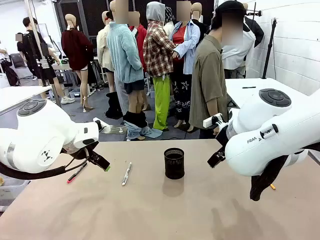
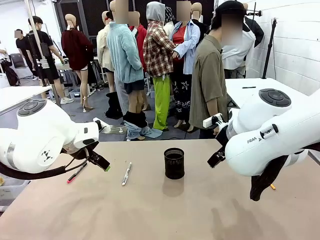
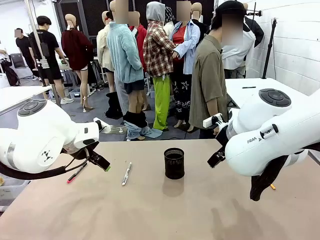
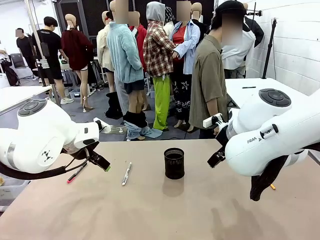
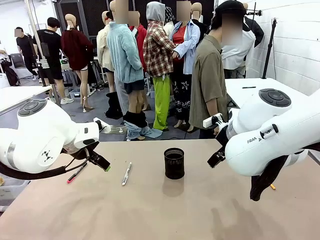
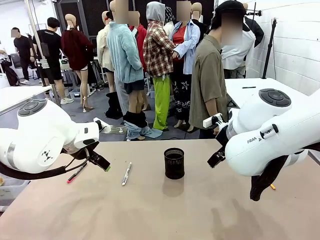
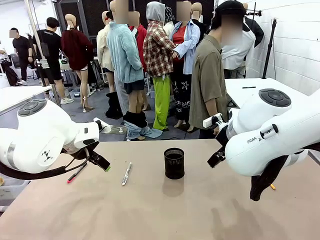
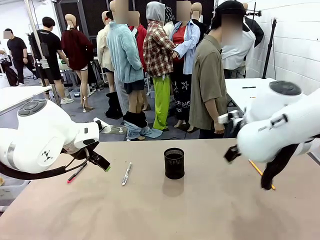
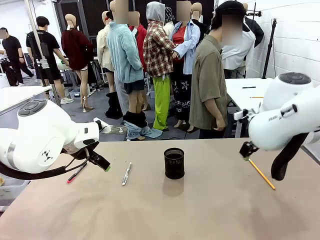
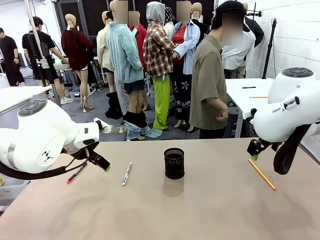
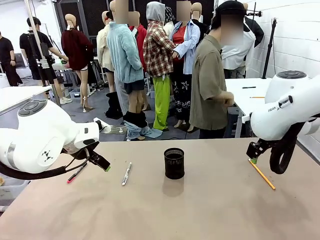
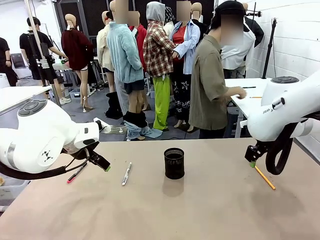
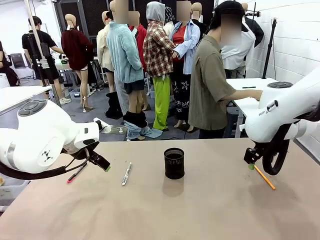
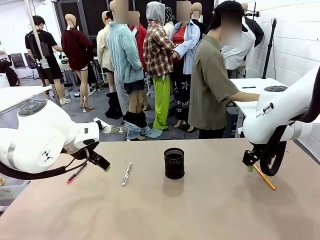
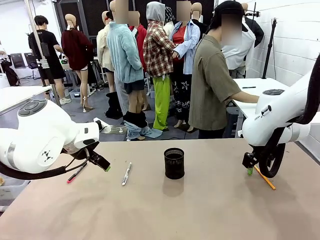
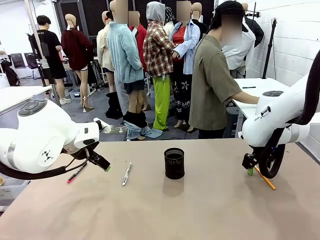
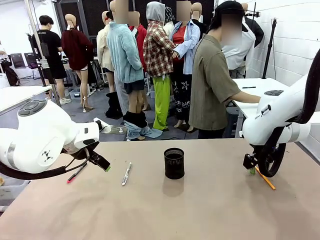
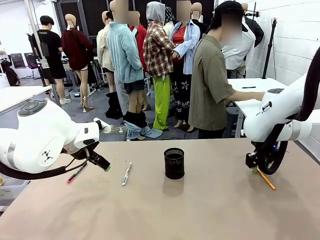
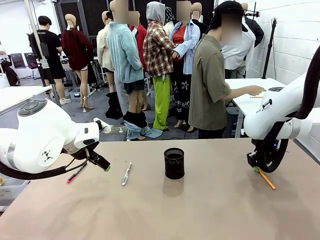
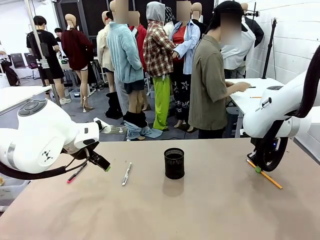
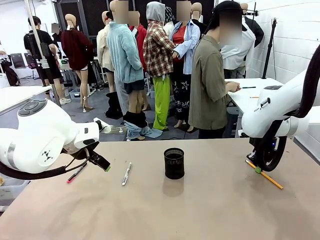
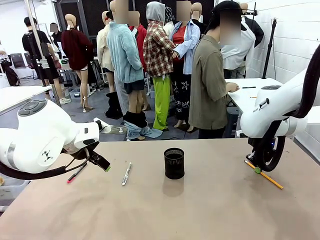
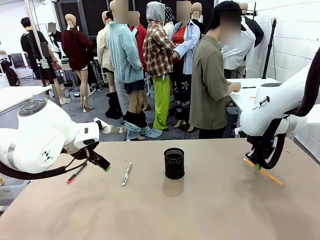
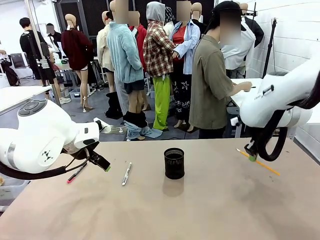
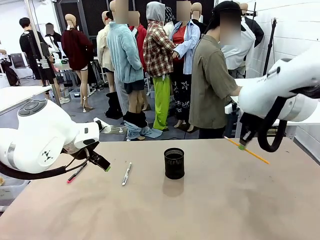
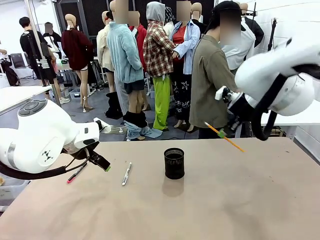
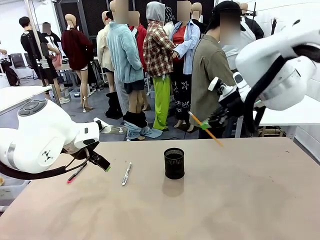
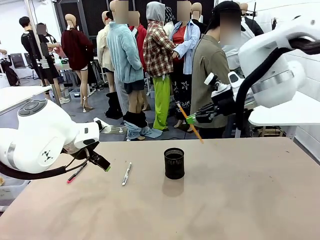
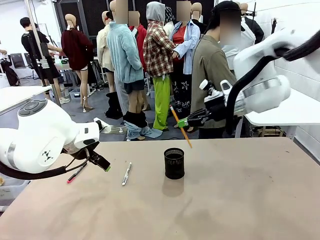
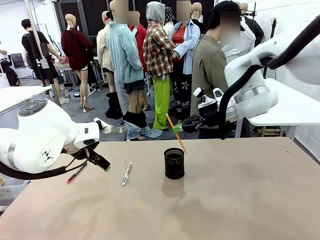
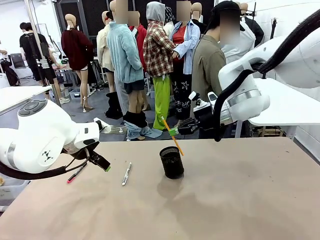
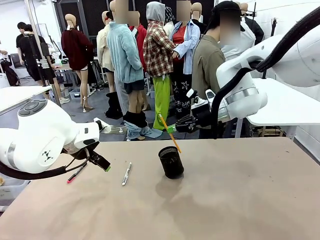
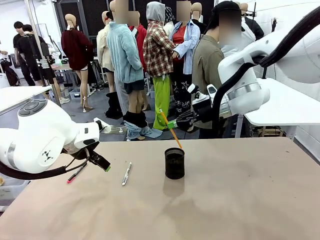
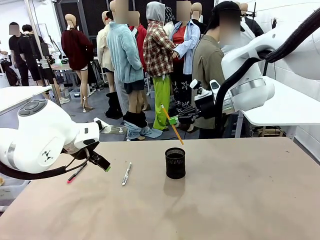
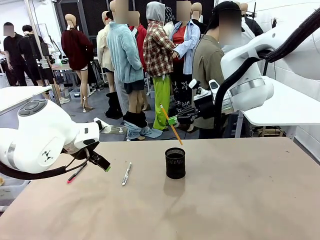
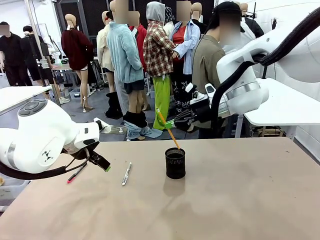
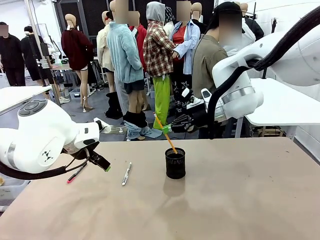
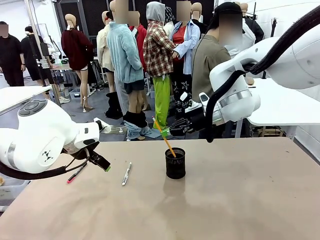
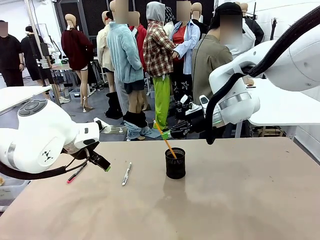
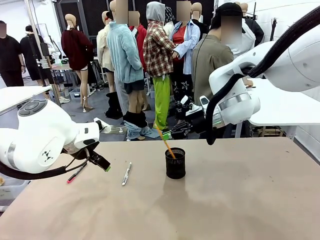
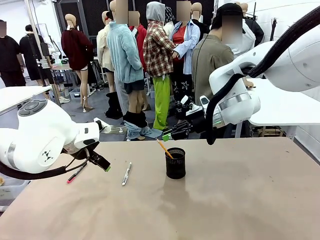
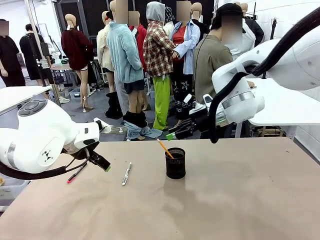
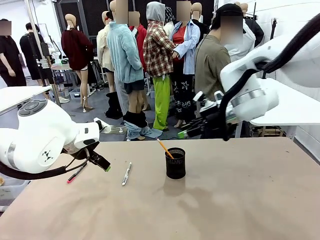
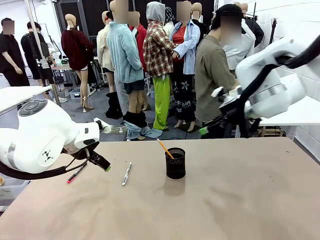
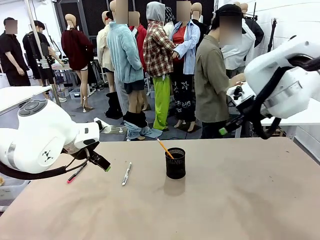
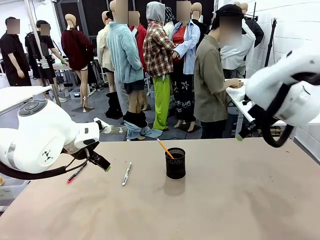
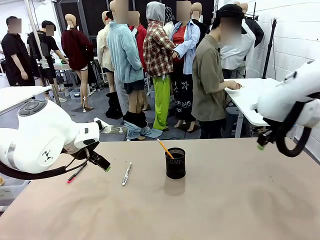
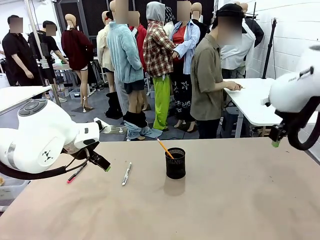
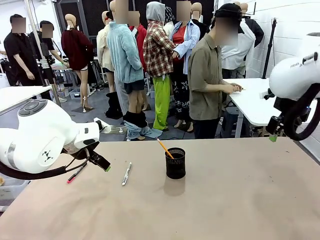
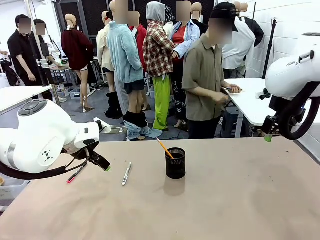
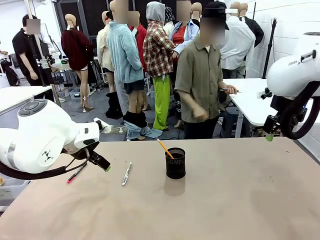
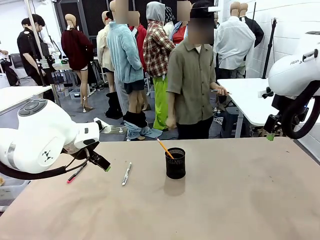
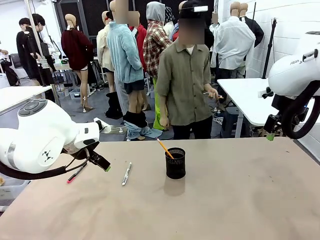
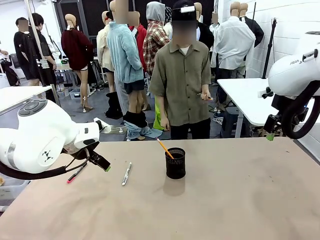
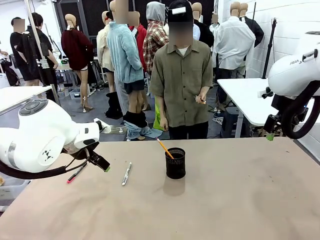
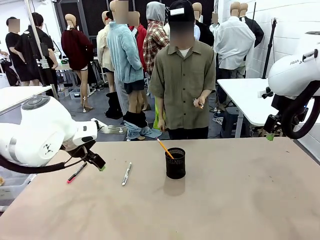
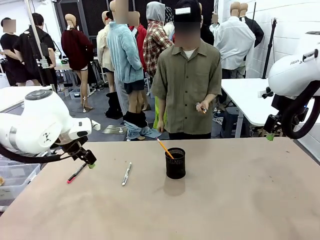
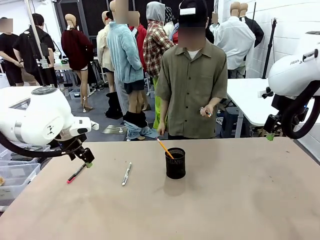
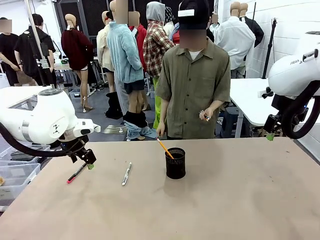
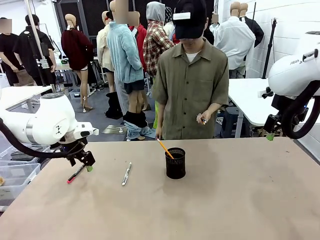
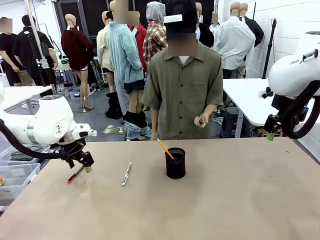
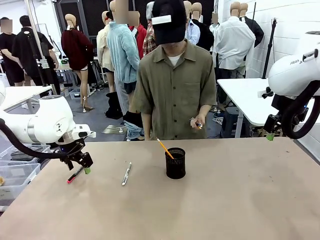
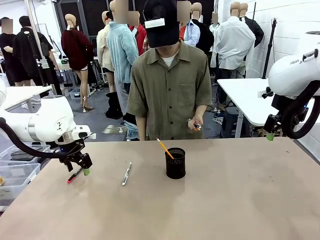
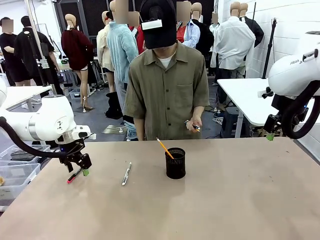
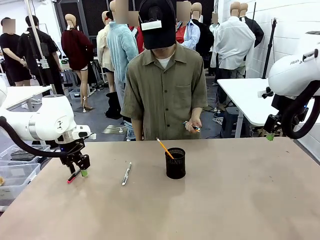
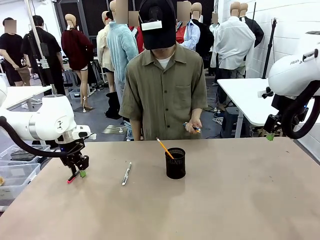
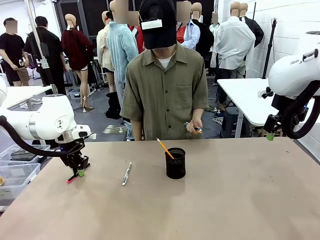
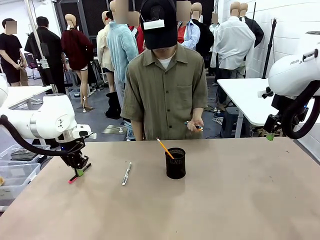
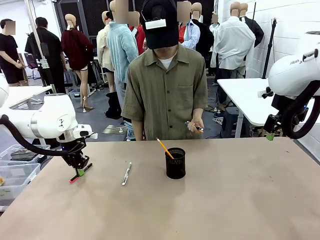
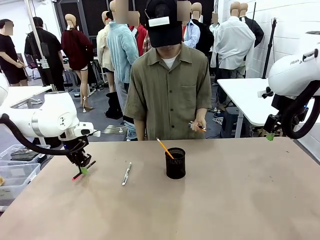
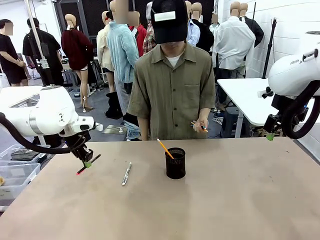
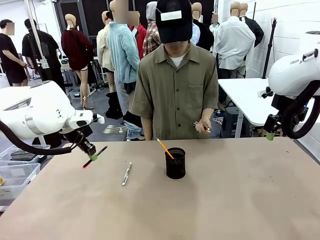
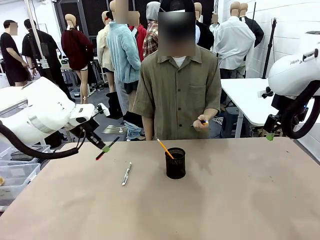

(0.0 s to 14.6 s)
Task: Place the pens into the pen holder.
Robot: Pick up a writing instrument from the table and place it into the Pen holder.
Person: Pick up all writing instruments from the Human table.
